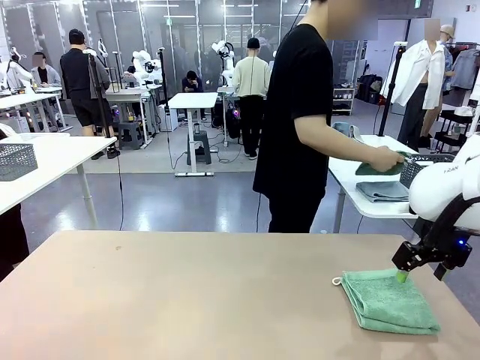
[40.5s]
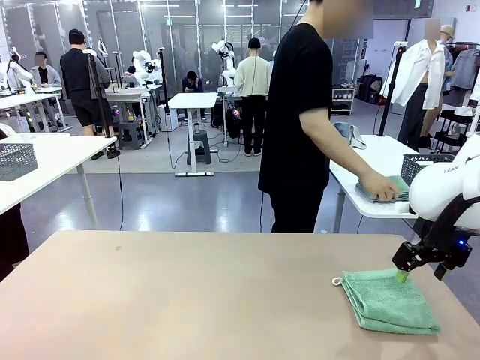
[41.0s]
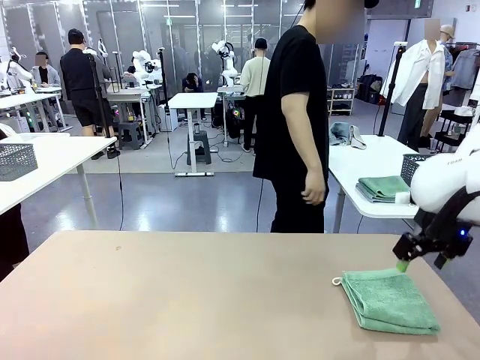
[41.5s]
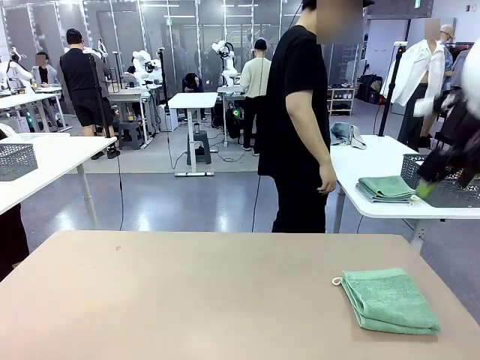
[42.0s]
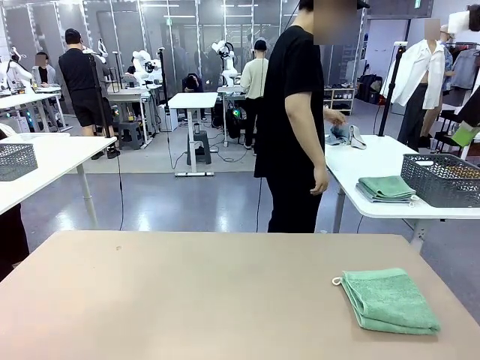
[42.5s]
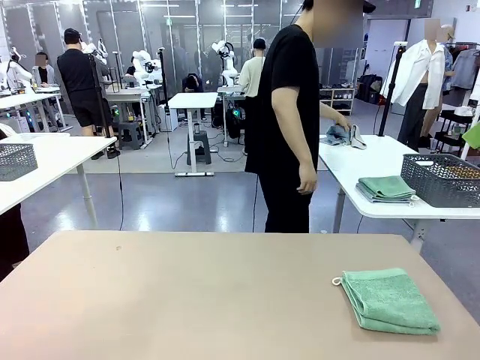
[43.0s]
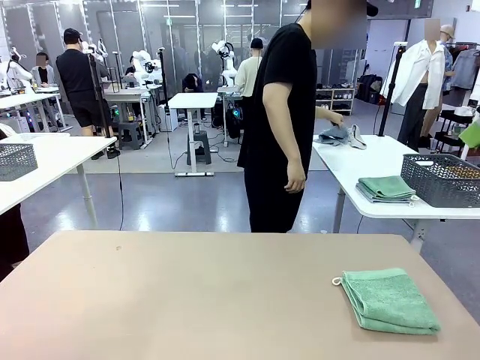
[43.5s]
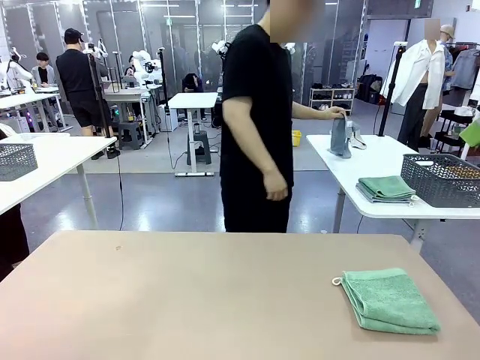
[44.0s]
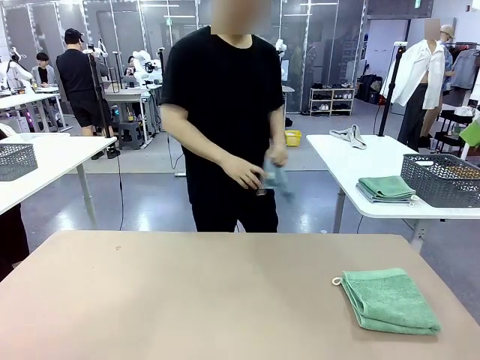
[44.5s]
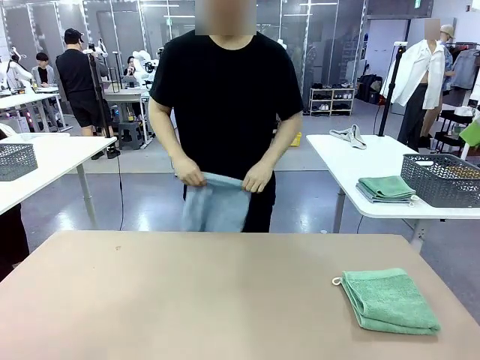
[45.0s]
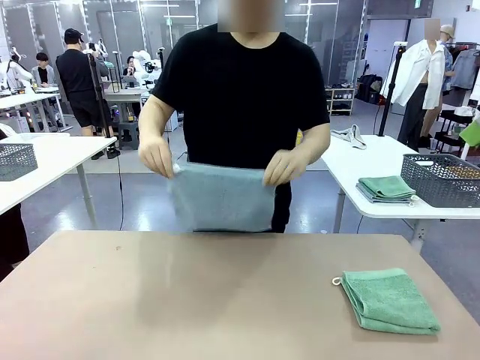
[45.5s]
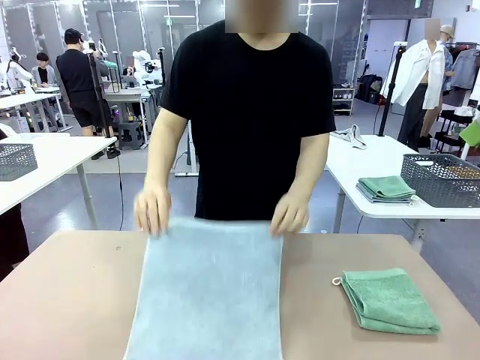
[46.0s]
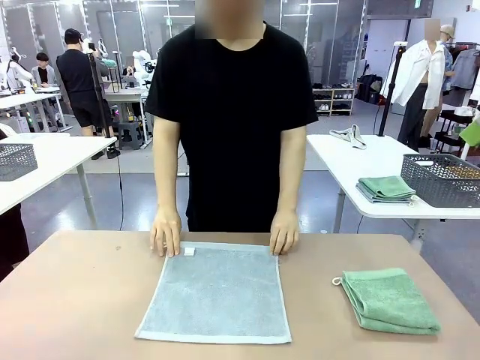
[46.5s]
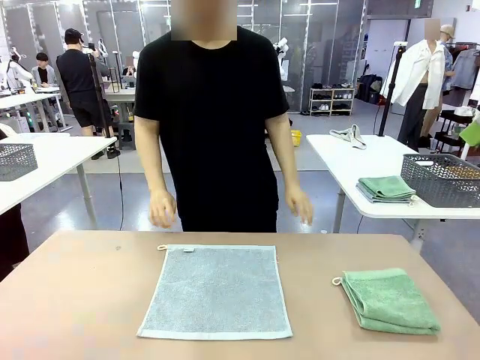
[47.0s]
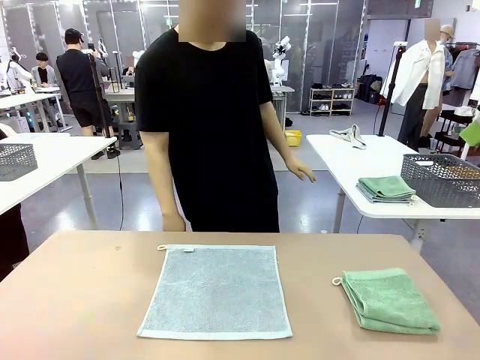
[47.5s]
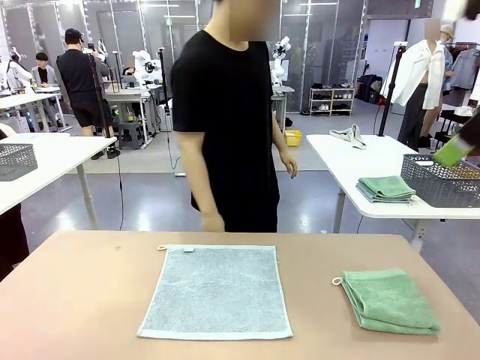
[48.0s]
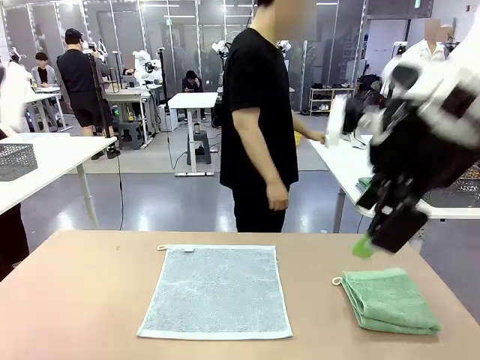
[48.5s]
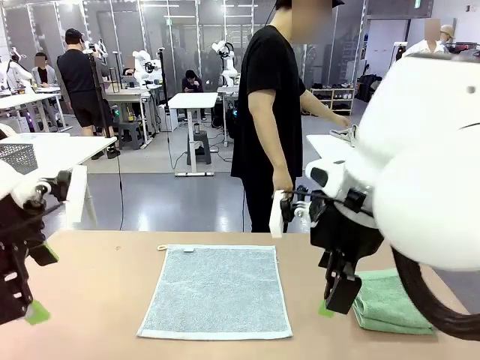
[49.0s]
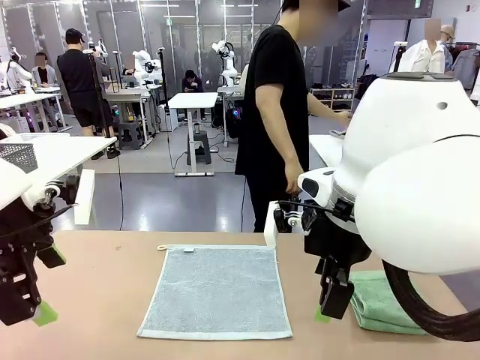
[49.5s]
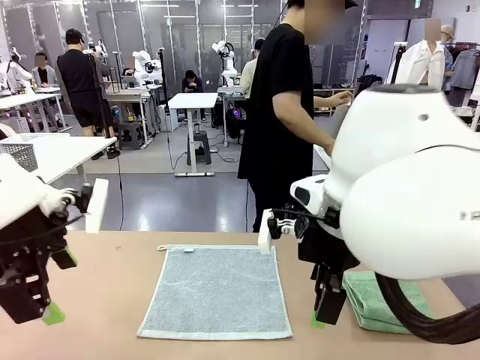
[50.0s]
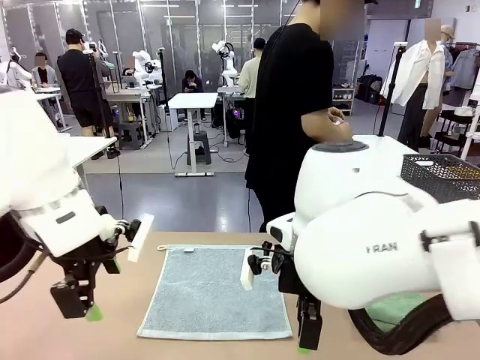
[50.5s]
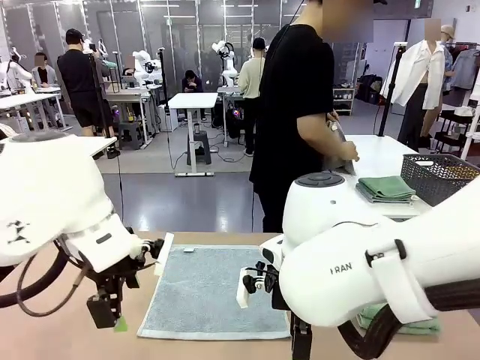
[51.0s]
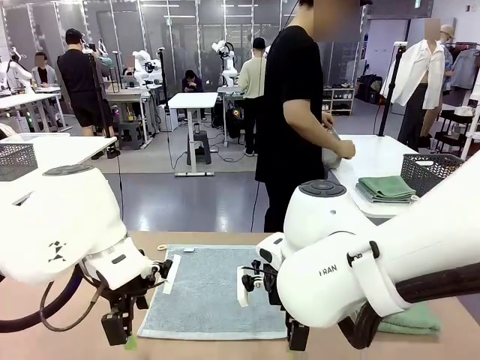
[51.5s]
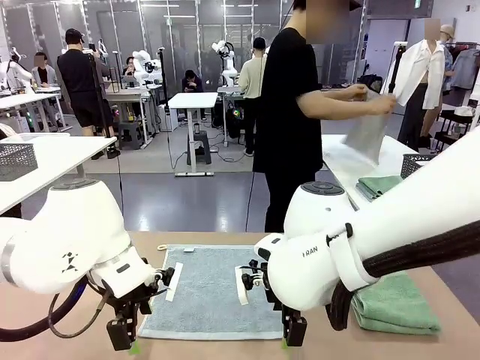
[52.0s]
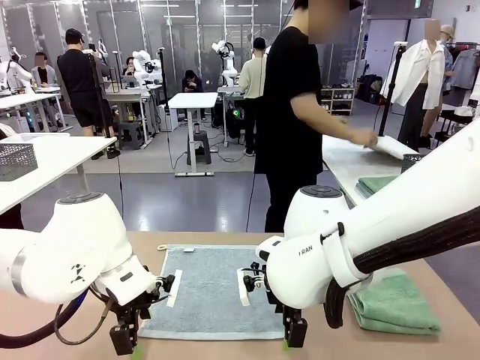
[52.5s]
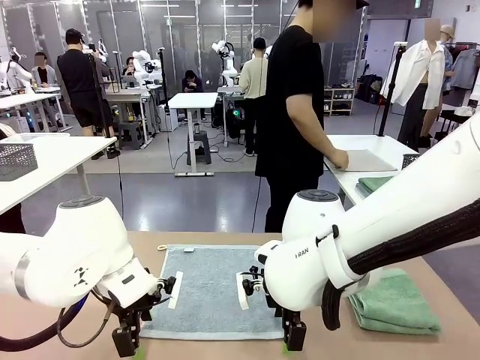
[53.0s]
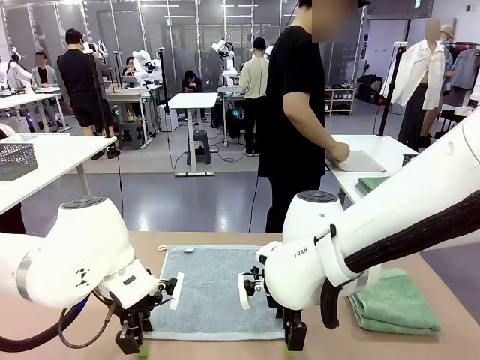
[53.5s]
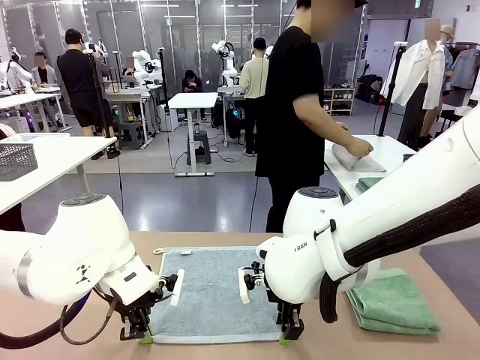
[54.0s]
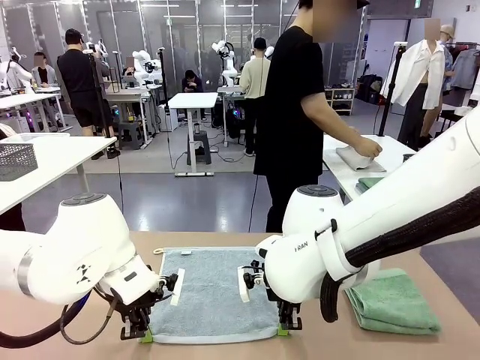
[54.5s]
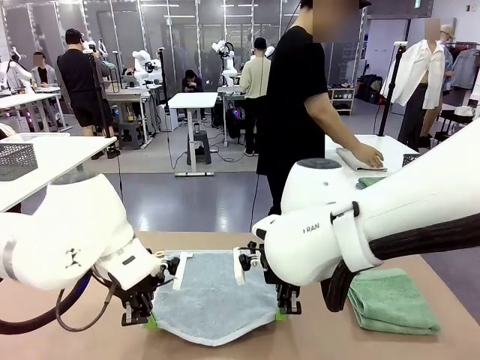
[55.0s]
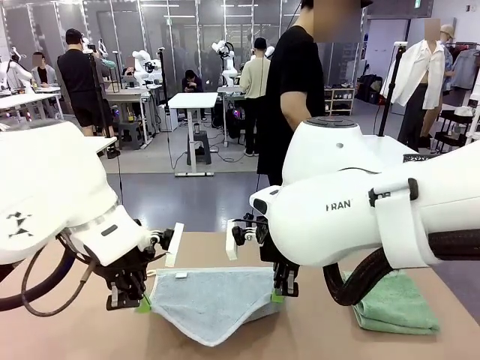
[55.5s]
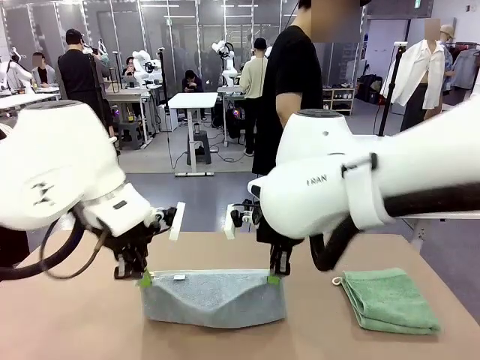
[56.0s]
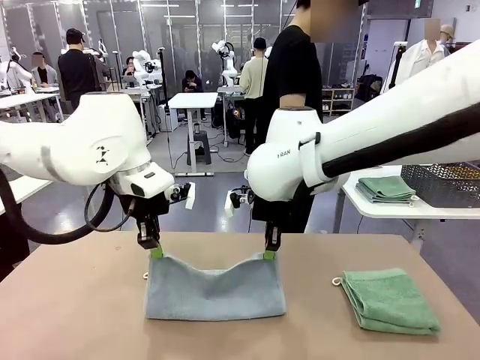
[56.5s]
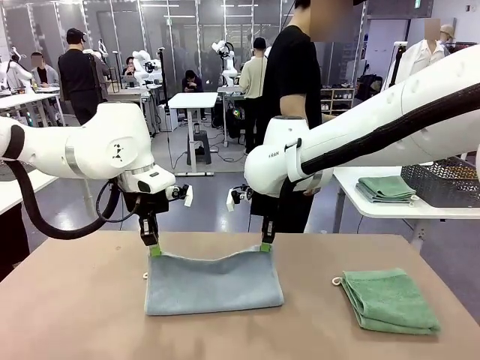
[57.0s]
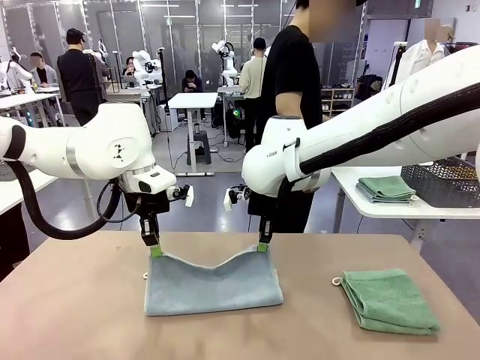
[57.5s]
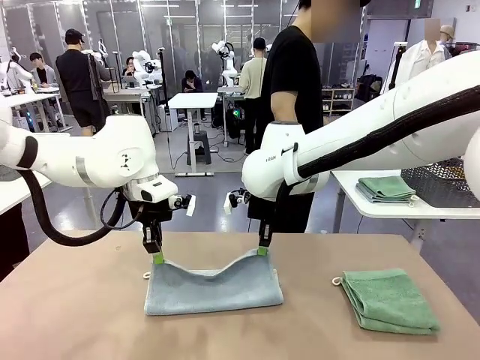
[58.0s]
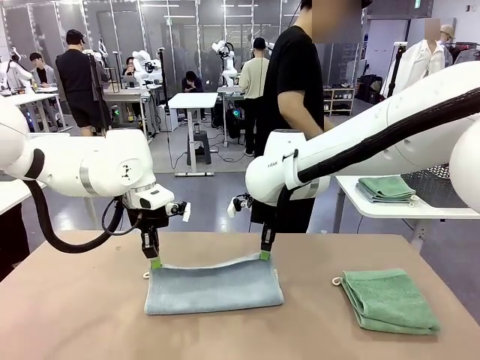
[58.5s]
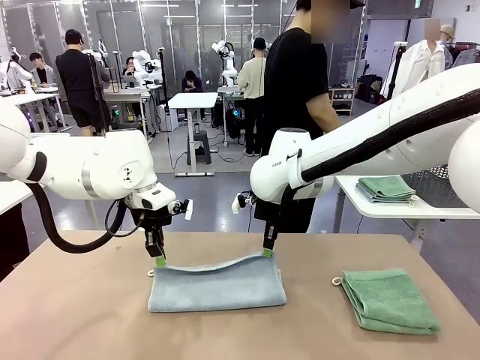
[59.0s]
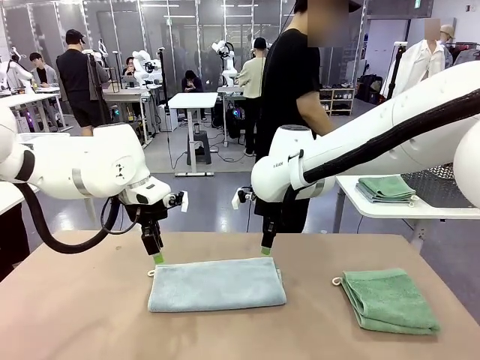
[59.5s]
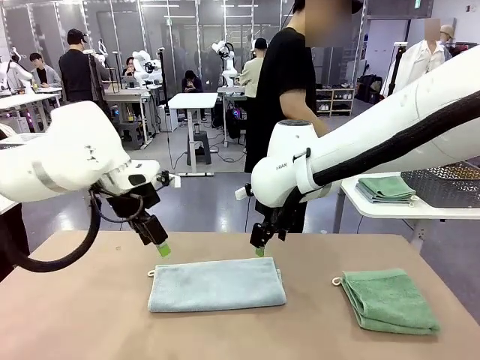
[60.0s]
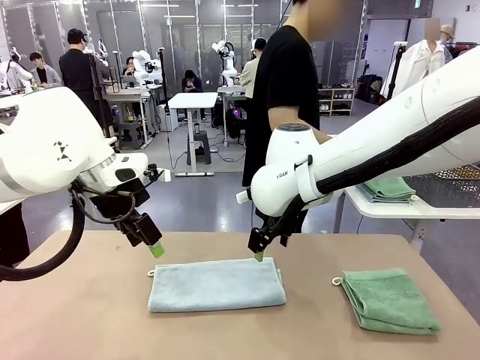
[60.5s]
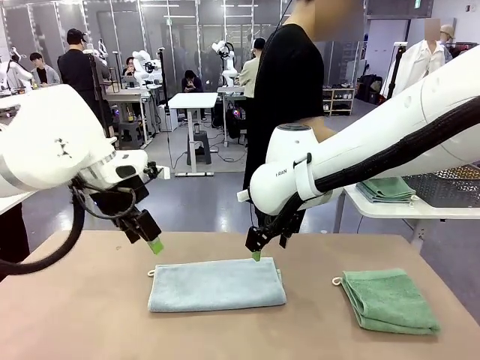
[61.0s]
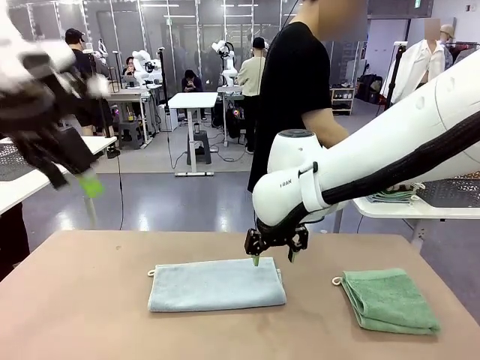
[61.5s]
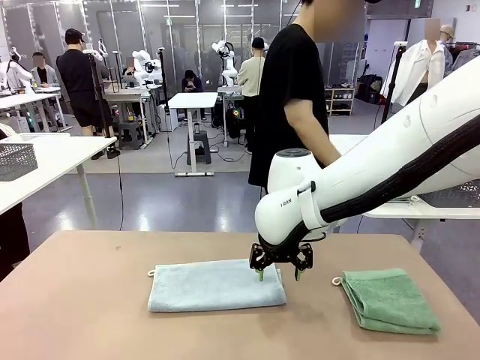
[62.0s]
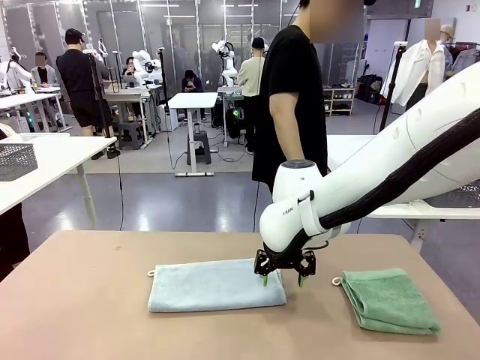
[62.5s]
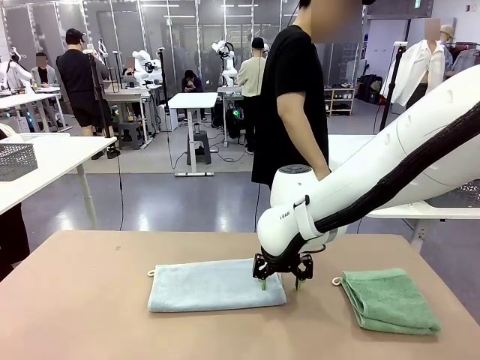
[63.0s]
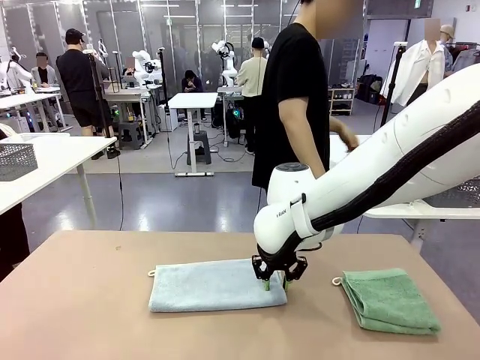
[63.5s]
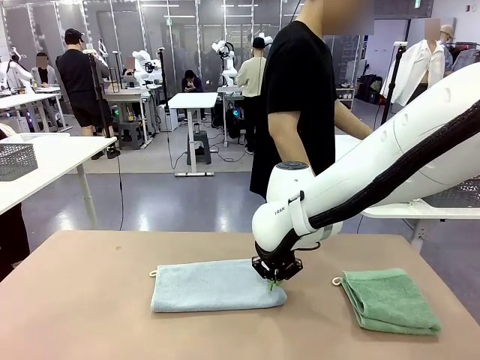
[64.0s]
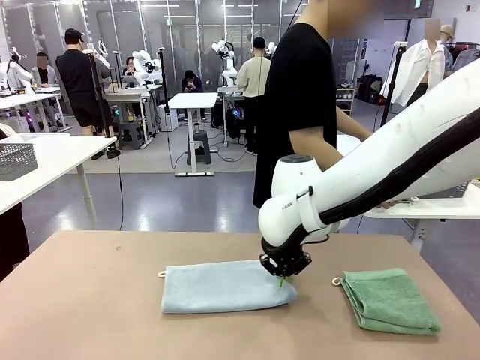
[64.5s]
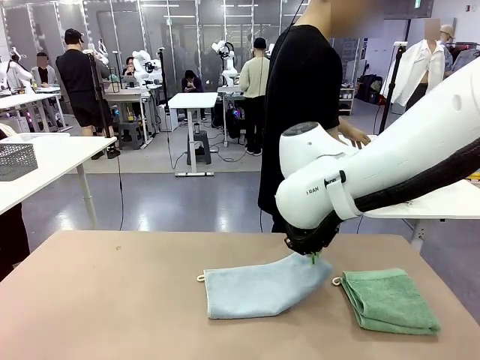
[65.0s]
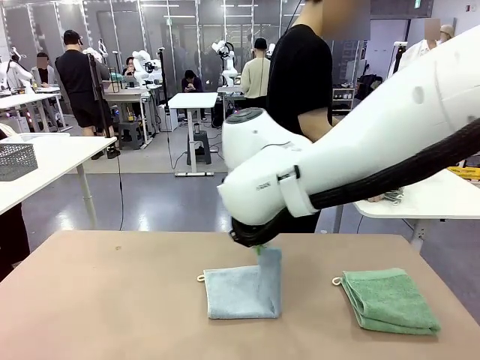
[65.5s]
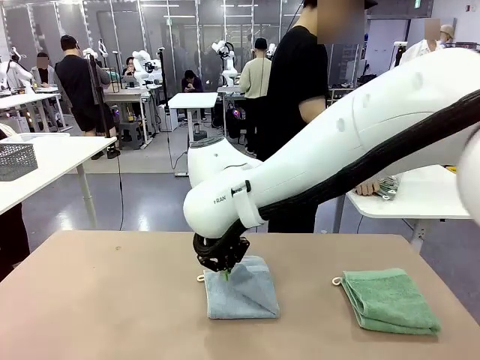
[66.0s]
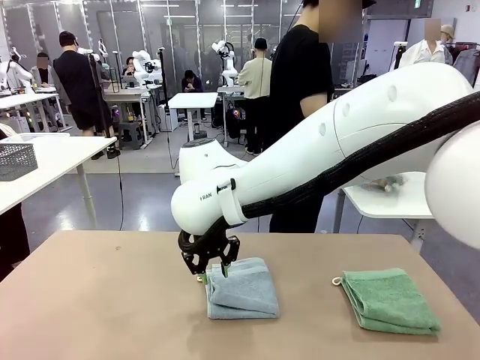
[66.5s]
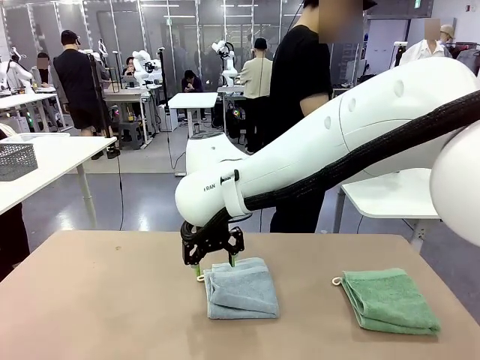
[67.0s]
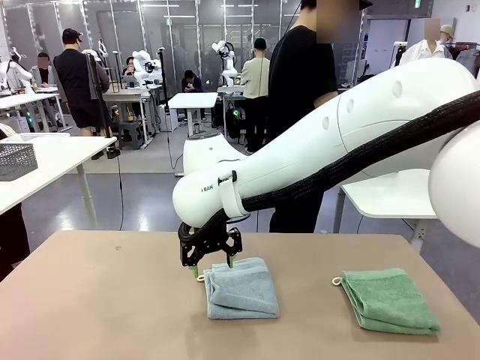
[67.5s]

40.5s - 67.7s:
Task: Fold the towels and place them in the basket.
Robot: When a person lays out a Towel with hook on the table, fold it in half twice.
Person: Pick up one towel from the left side of the human table and spread it out at the center of the robot table. Pick up one towel from the left side of the human table, fold it in half twice, and stack it on the right side of the table. Pick up the stack of towels from the right side of the human table, place it into the basket, and put the basket at the center of the table.
